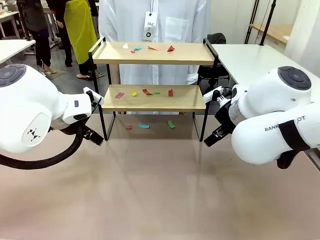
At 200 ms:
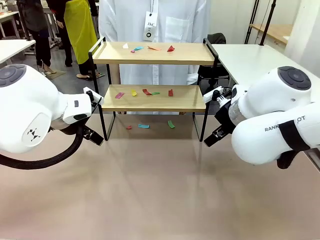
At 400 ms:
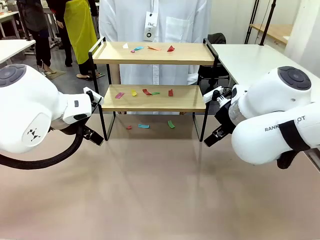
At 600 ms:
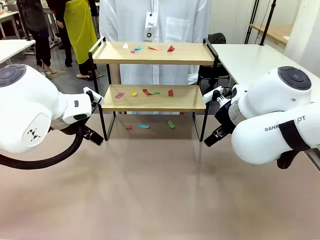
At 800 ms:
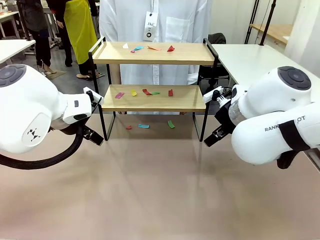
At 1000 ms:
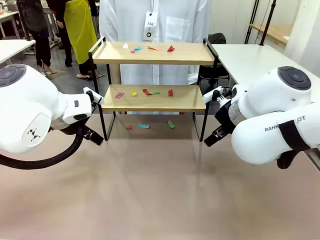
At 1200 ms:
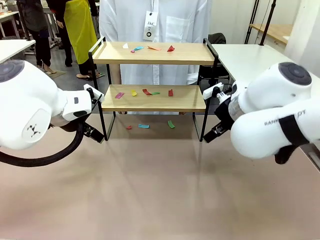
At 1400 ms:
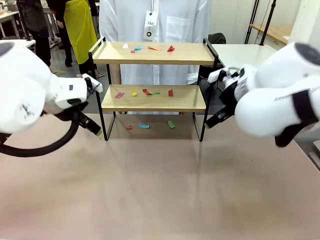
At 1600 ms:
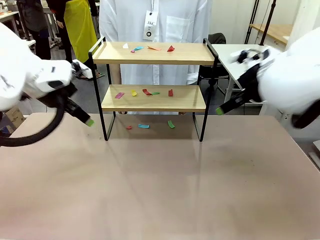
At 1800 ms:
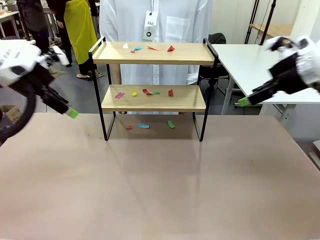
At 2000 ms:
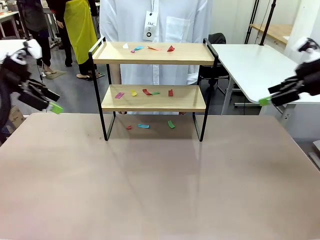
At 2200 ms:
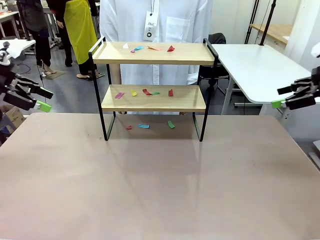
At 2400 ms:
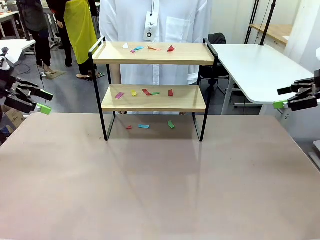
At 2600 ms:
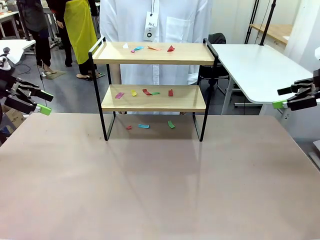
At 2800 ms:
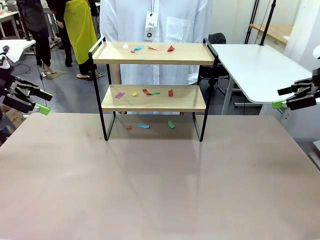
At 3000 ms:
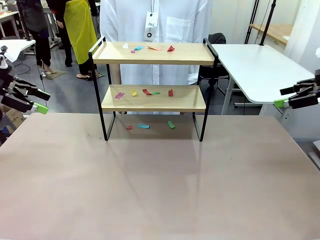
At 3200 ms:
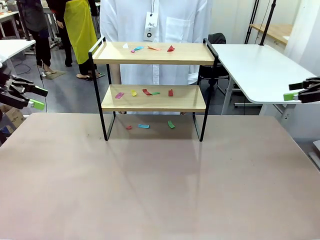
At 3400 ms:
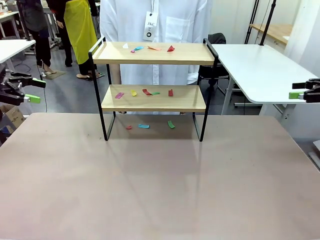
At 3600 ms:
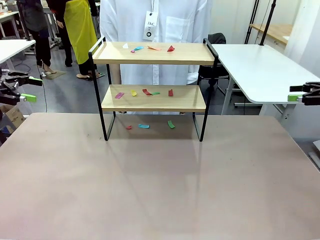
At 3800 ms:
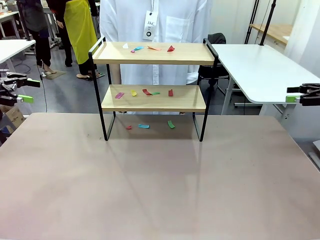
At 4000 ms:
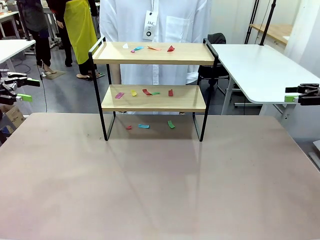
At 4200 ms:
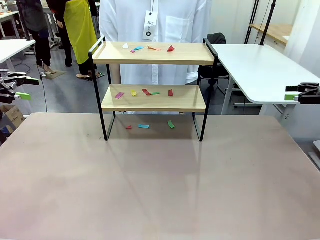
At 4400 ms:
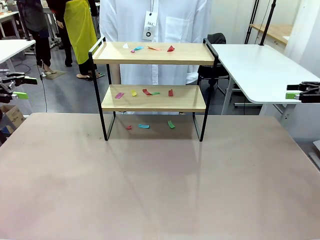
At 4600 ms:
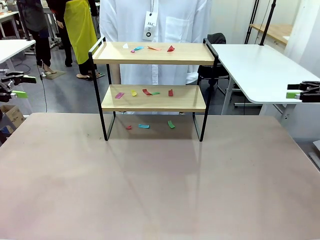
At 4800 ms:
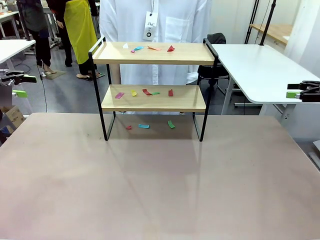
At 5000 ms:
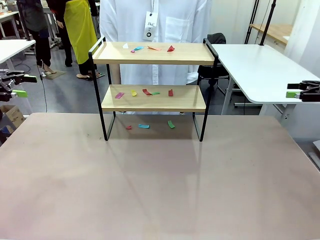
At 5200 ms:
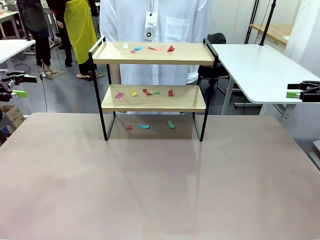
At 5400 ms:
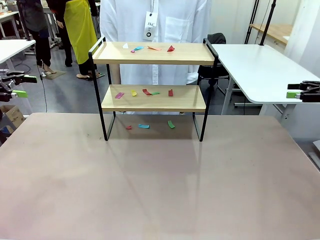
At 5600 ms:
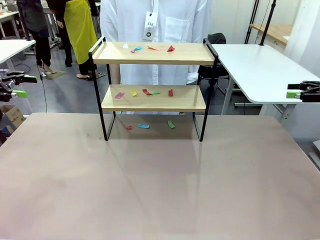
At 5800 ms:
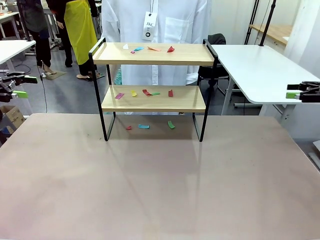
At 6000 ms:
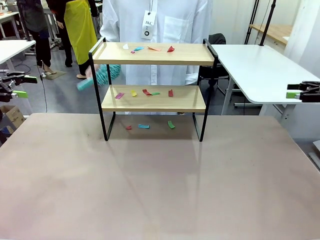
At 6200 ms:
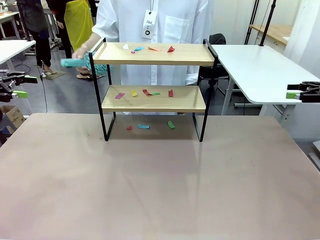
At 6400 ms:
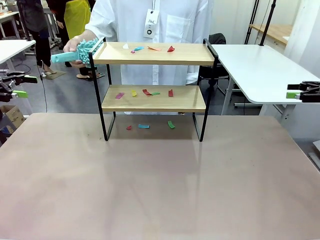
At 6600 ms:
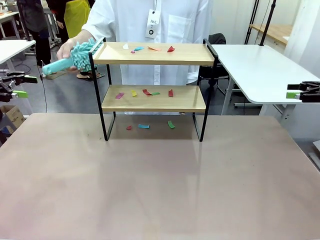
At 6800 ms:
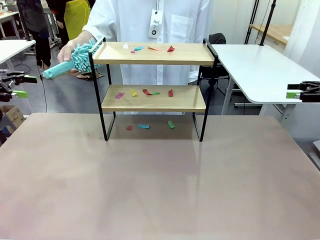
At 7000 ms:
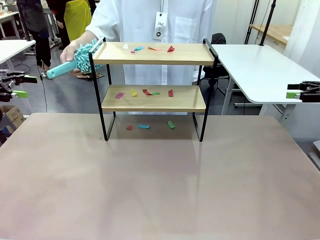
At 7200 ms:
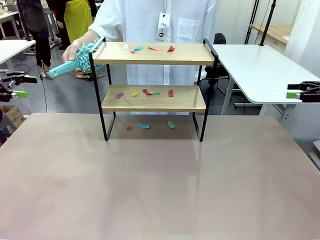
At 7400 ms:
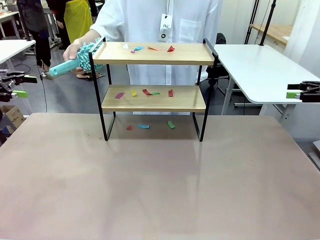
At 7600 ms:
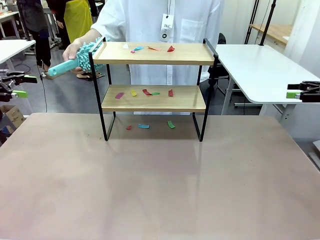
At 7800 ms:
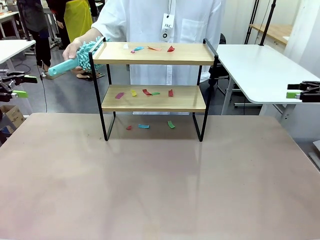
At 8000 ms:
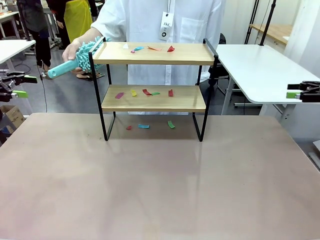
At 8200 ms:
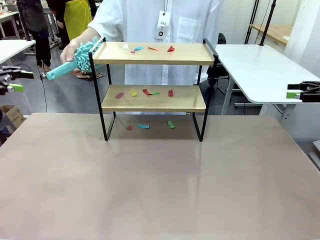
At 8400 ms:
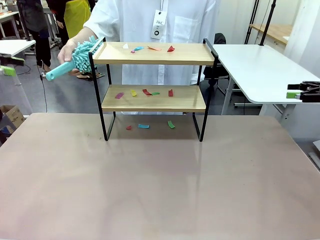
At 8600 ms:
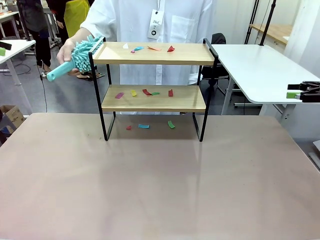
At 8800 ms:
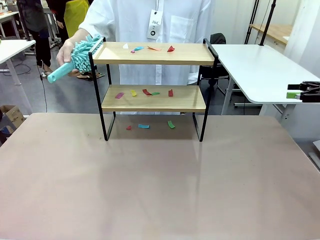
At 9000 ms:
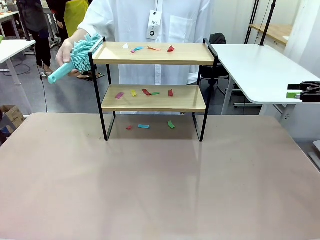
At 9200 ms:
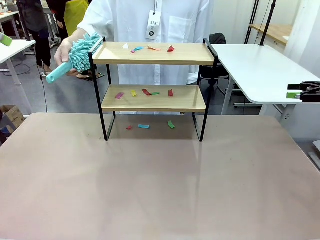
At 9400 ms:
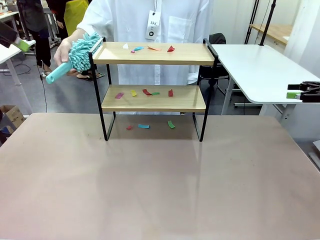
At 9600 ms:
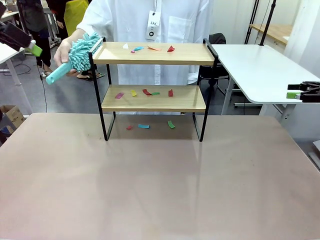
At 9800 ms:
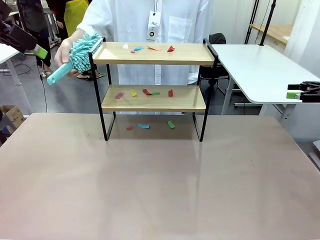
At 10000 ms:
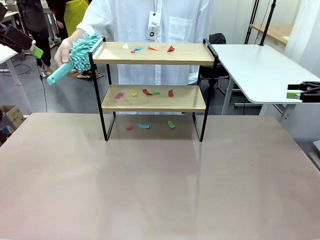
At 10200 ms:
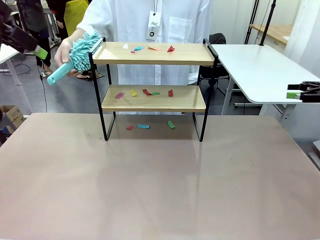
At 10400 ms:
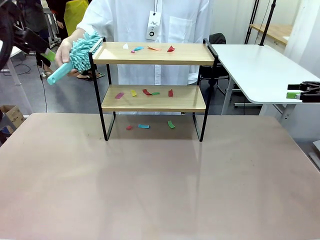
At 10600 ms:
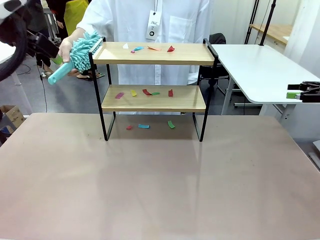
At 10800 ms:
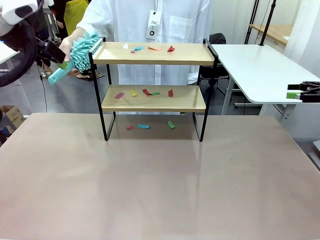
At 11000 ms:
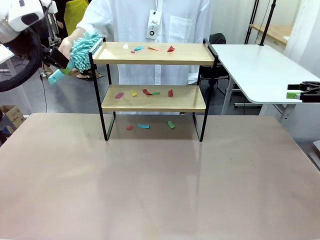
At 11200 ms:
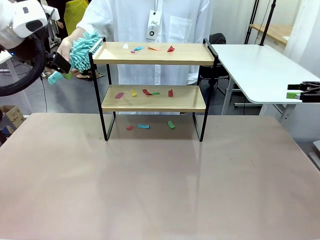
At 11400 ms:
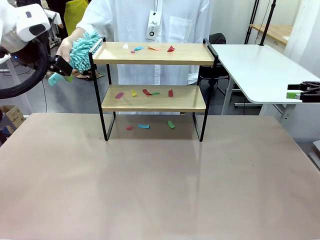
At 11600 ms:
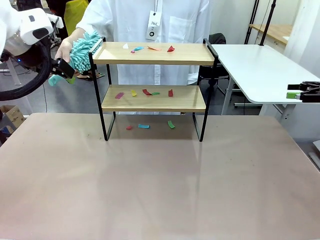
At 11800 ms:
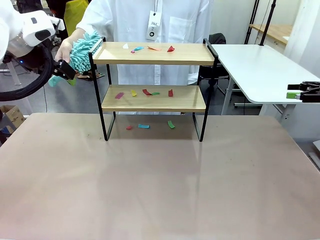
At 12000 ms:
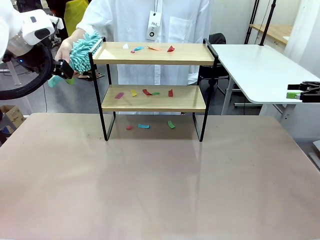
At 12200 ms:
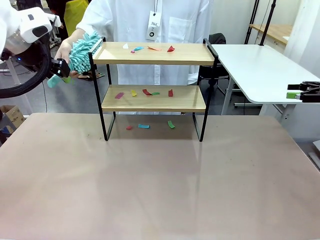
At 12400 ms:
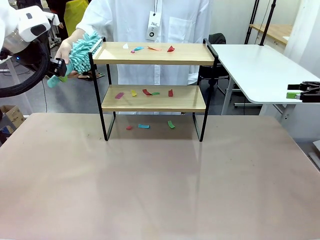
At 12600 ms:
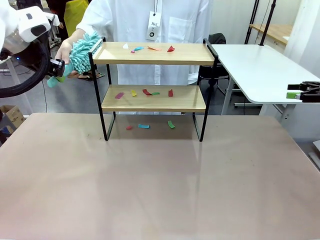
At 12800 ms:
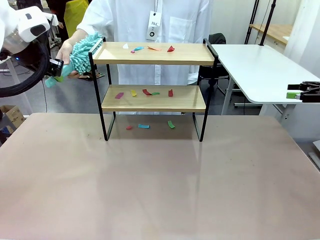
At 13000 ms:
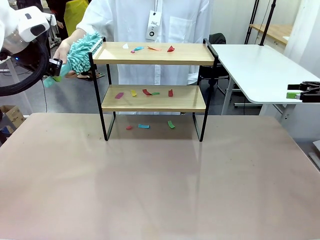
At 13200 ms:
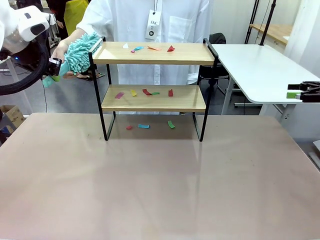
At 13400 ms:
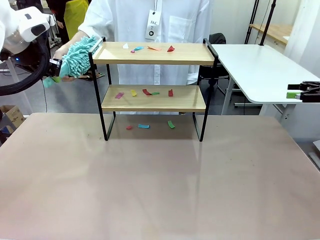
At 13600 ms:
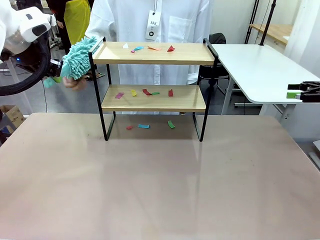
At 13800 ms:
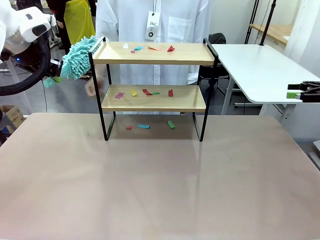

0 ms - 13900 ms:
Task: Clean the shelf.
Robot: Pick up the Duster handed by the human.
Person: Hand the Duster to the robot.

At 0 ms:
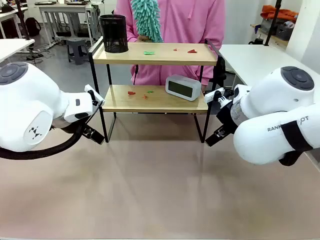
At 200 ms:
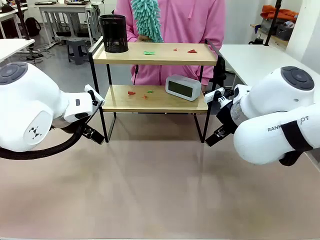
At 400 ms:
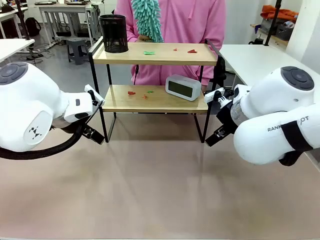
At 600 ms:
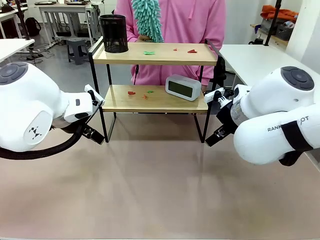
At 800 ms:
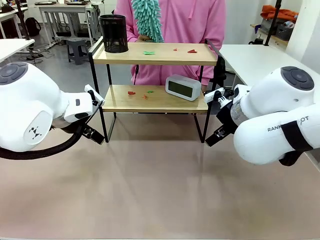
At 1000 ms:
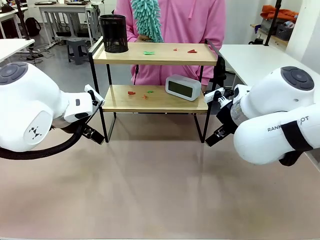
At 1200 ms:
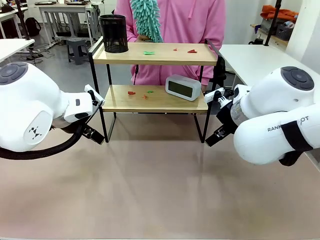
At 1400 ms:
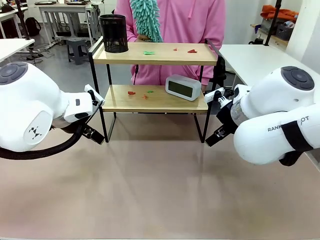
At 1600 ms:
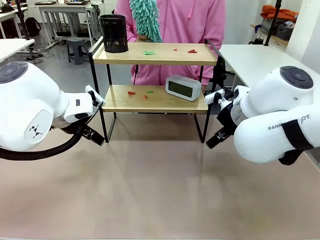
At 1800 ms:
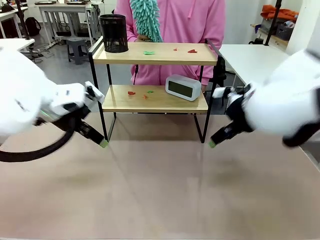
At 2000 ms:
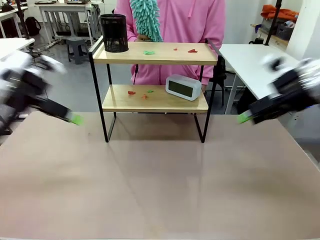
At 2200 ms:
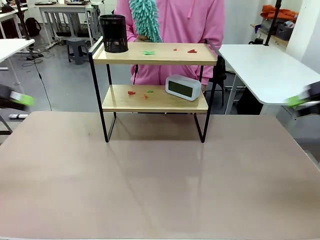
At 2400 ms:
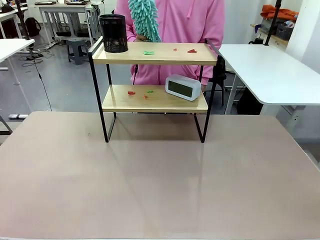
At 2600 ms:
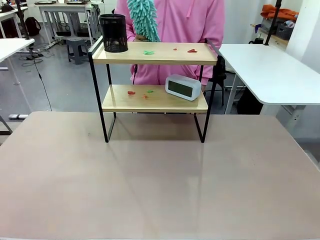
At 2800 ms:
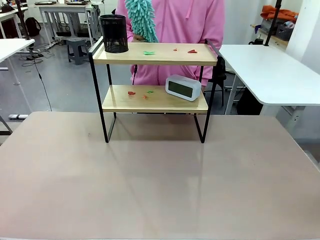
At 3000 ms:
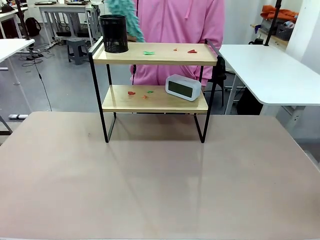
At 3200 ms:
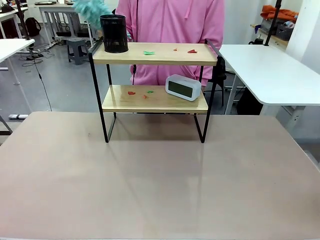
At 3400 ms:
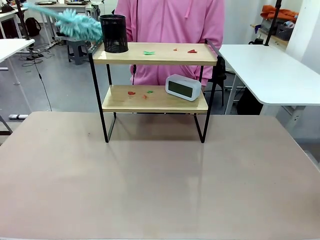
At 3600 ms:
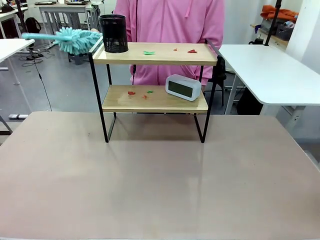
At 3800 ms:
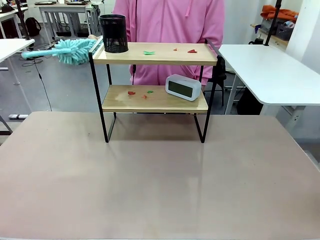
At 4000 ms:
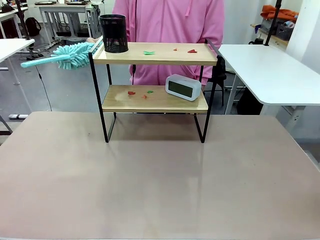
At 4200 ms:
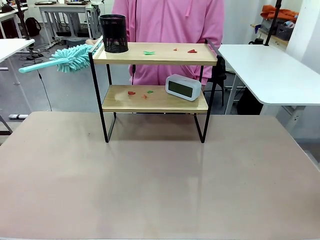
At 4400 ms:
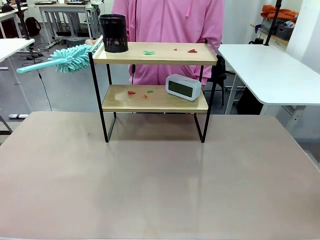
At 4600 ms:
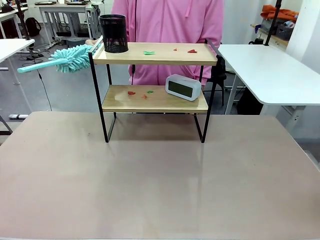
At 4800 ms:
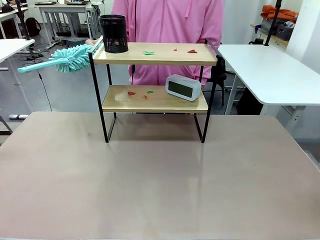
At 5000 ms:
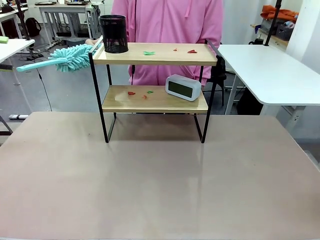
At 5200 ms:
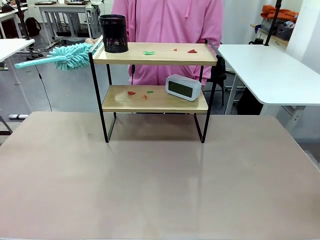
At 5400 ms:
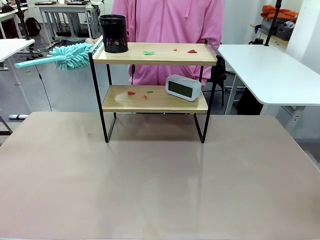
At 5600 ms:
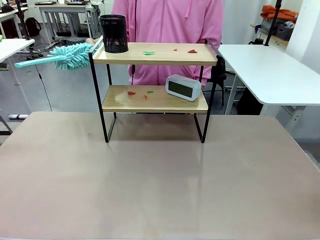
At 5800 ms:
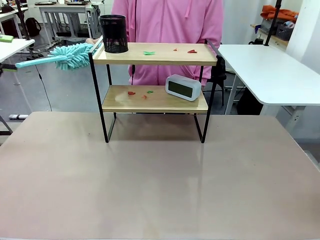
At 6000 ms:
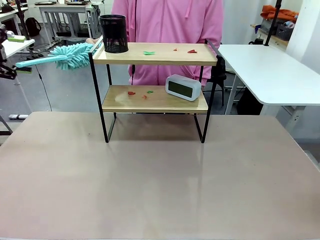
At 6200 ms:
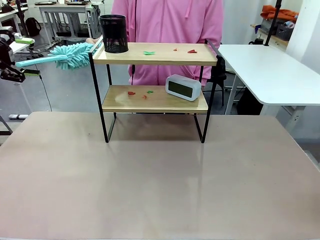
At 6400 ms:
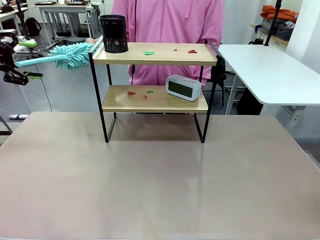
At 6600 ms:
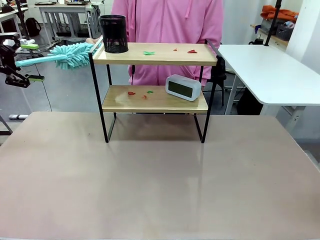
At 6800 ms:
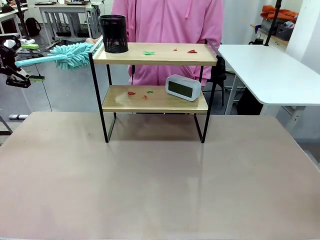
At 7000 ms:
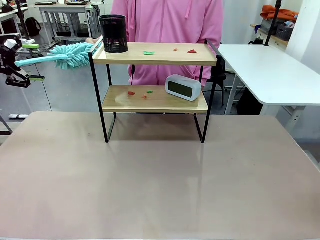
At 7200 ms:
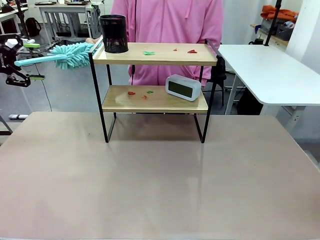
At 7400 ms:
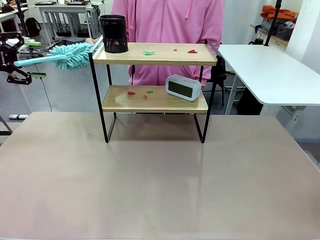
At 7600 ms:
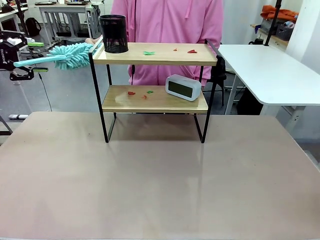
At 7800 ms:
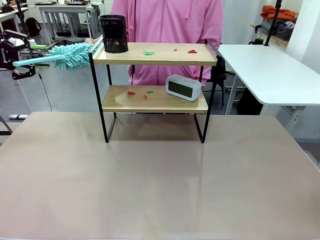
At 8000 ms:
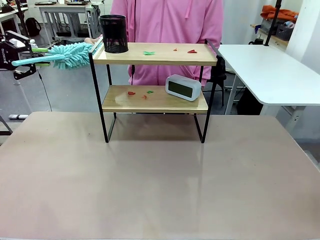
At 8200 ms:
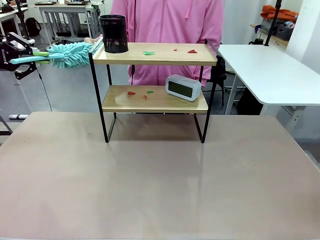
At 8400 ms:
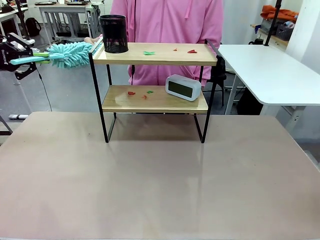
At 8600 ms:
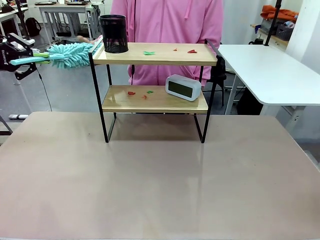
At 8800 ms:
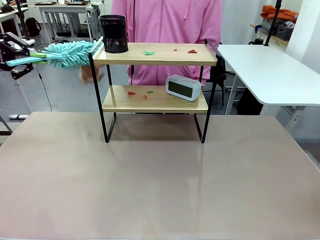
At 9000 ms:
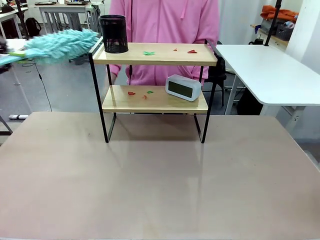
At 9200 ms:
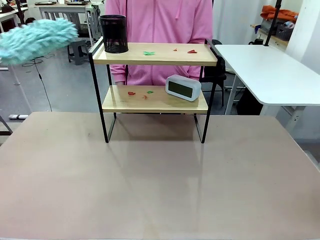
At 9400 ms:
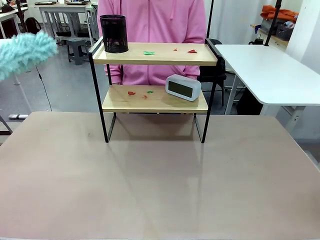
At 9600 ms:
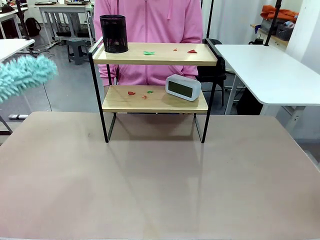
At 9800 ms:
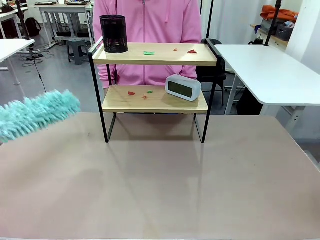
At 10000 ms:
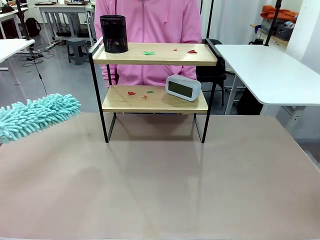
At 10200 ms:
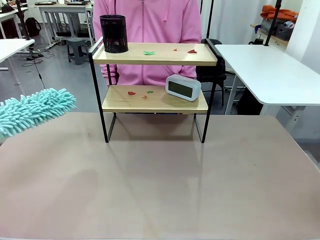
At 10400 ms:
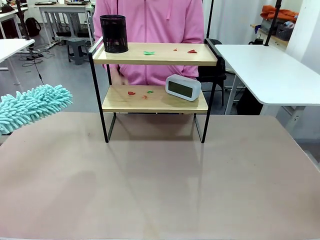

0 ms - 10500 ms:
Task: Clean the shelf.
Robot: Pick up the Duster from the human.
Person: Hand the Duster to the robot.
